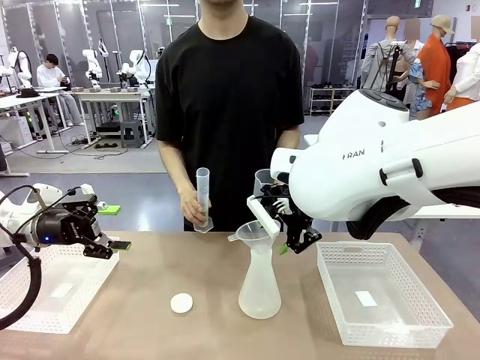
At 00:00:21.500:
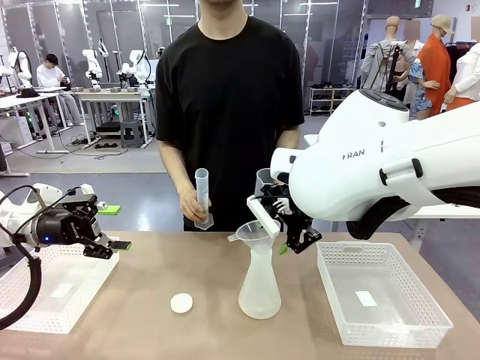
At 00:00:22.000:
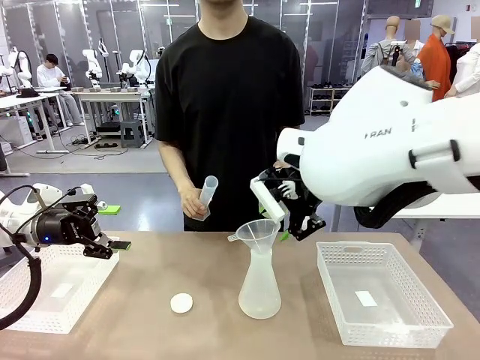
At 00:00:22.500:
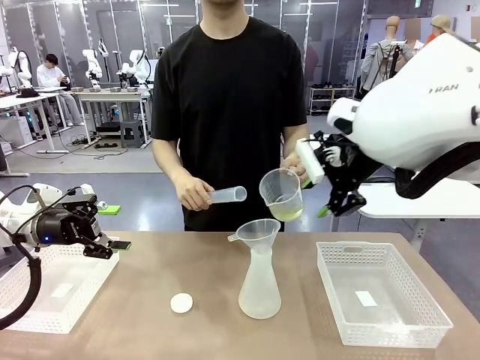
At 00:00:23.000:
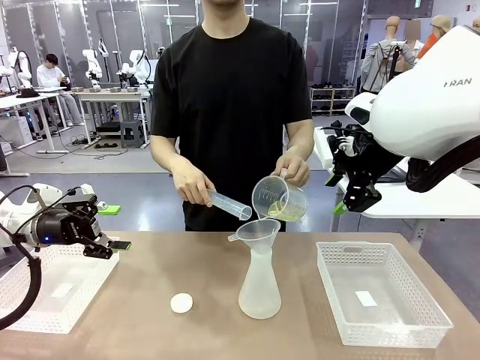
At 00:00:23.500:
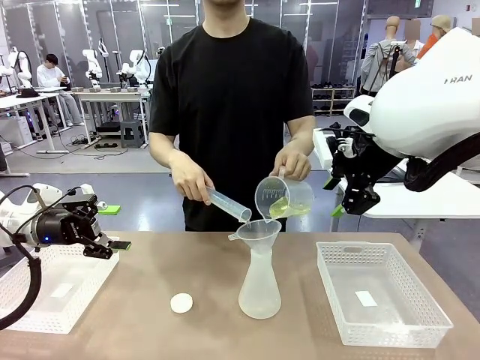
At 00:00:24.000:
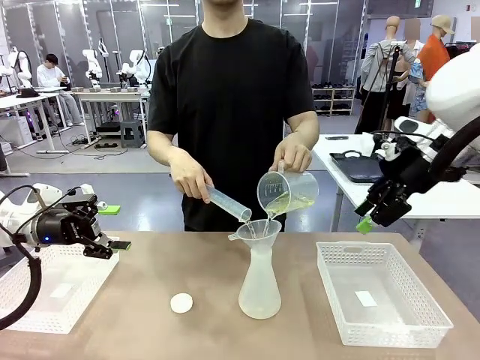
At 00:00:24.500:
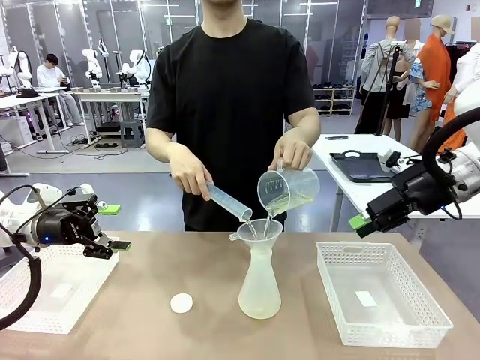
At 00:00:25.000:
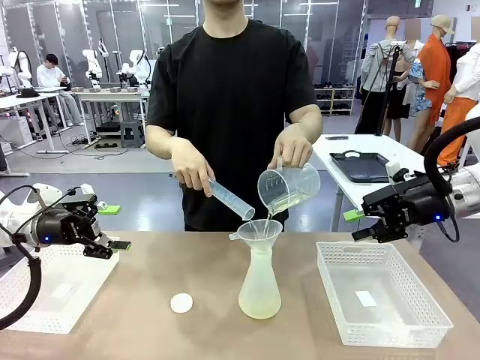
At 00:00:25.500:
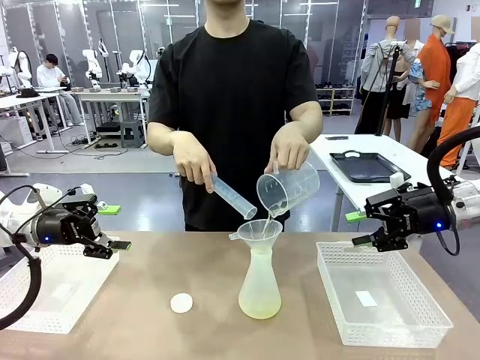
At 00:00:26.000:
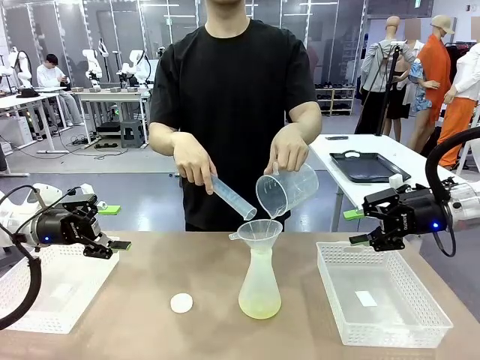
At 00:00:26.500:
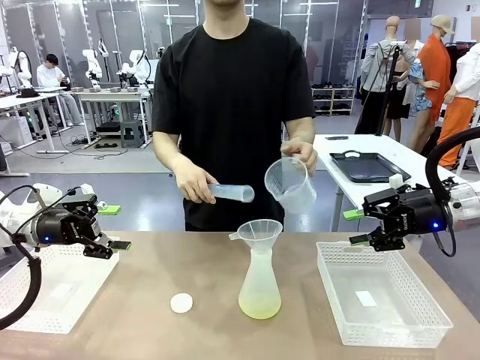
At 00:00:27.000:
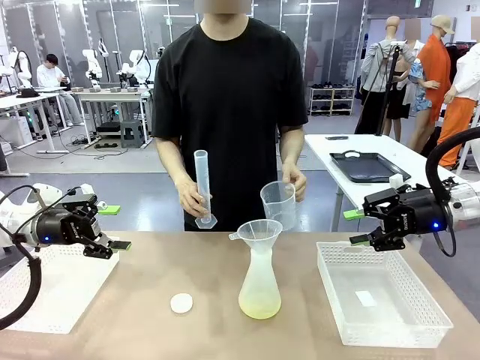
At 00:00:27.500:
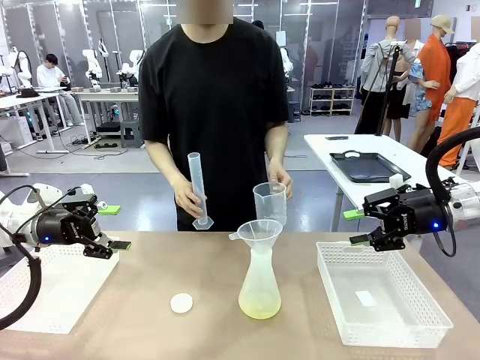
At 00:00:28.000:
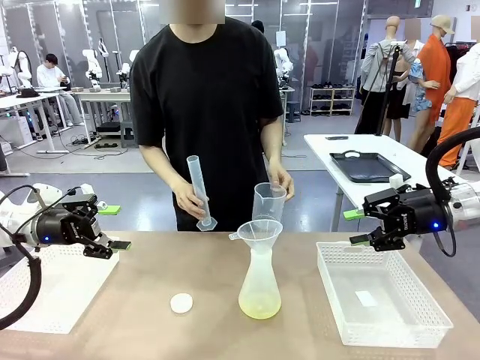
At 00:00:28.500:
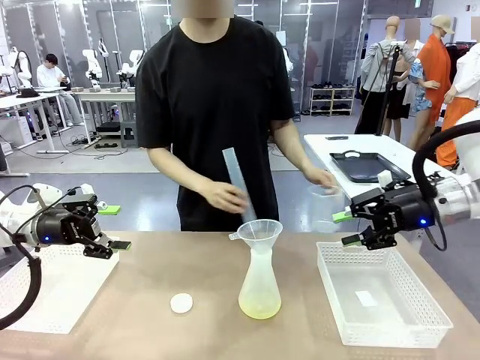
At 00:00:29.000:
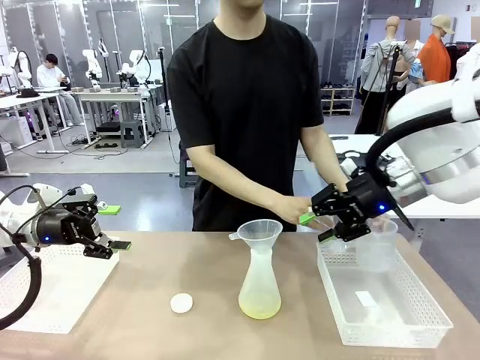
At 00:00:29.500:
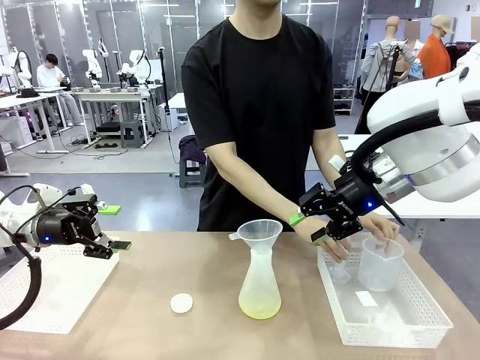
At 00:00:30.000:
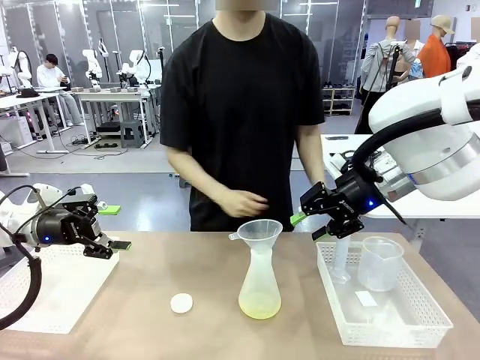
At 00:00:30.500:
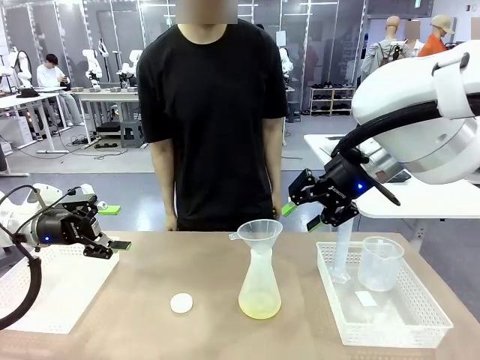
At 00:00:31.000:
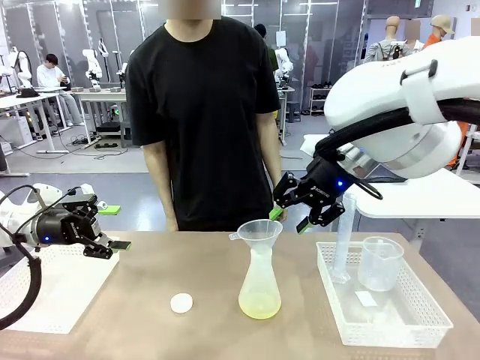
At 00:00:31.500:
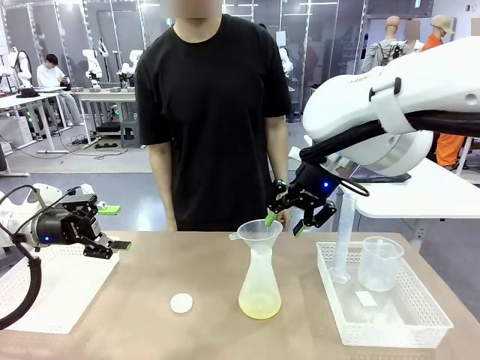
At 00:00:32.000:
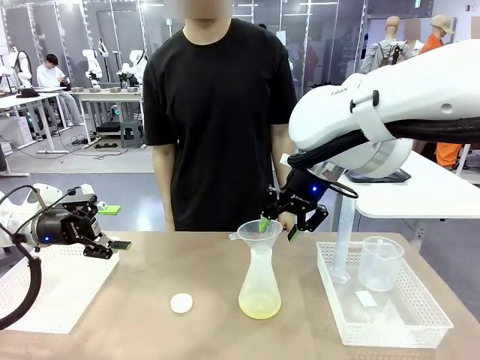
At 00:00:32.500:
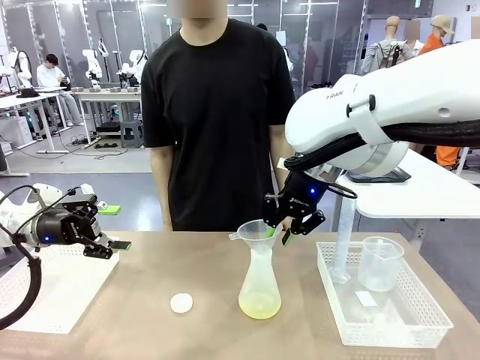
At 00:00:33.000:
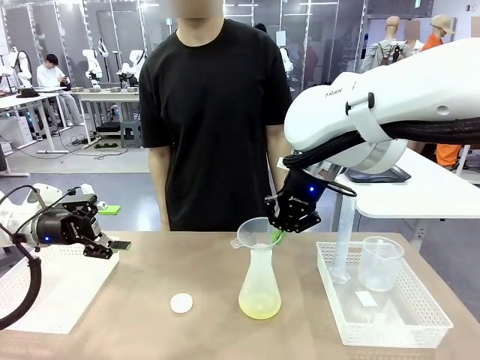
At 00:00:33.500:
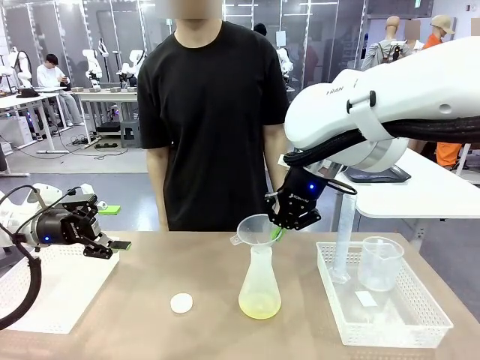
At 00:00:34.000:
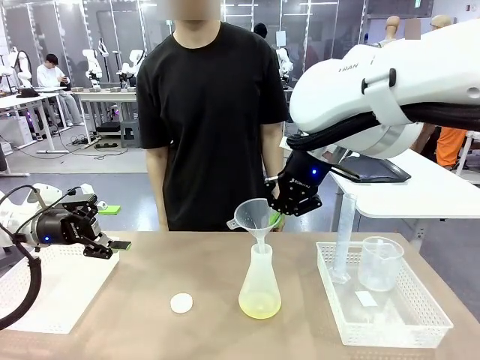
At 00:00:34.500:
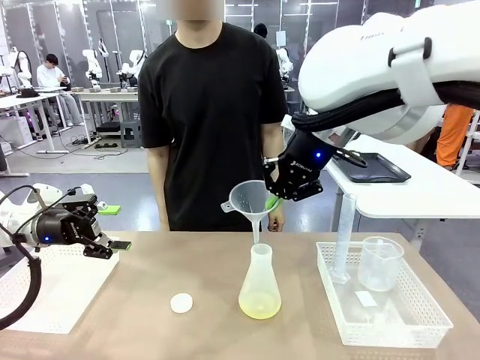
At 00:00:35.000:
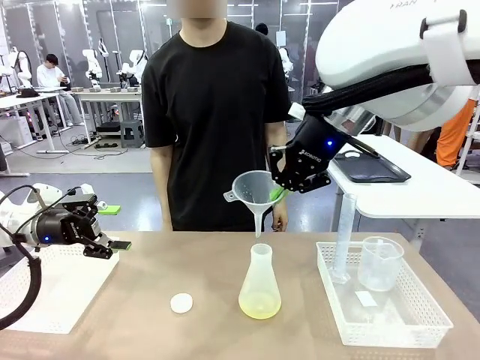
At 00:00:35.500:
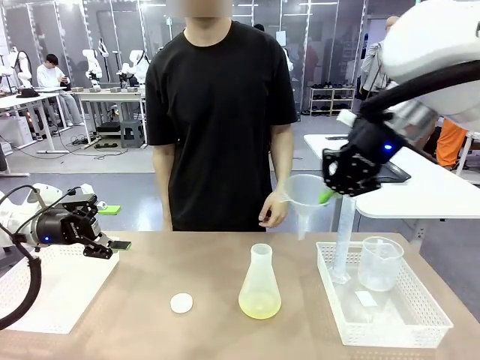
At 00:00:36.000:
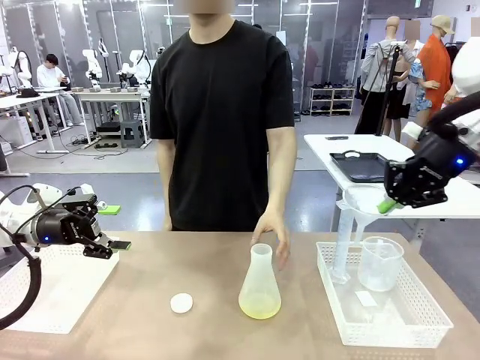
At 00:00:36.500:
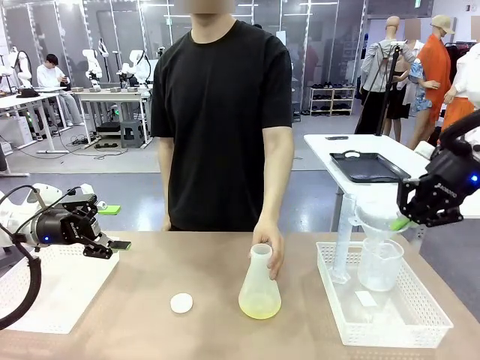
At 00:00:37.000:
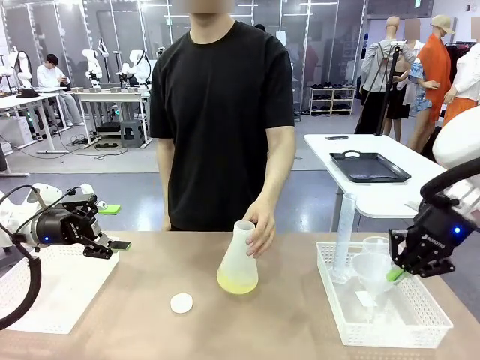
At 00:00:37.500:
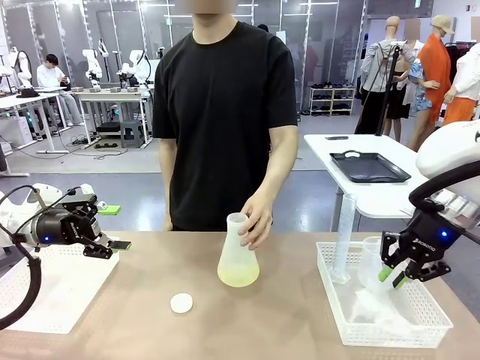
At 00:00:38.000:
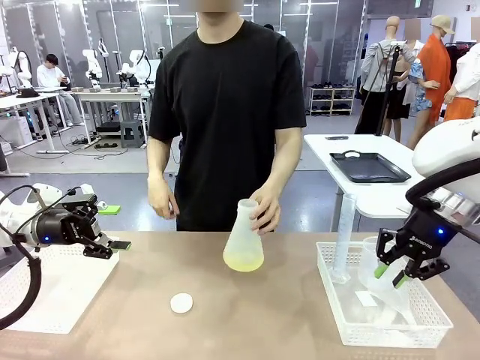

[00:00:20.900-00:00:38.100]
Task: Prepare the solutions needed for the experiment.
Robot: Once the solution is in the Big flask , pick up the Plastic Funnel and place it back into the right Organizing basket.
Person: Place the beaker and the cylinder into the organizing basket on the left side. Pick up the flask, gently shake it 2–3 times, place it in the middle of the robot table, and close the lid.

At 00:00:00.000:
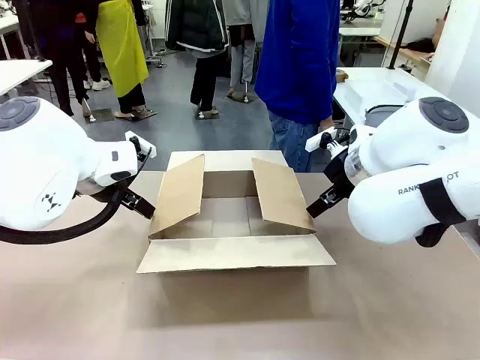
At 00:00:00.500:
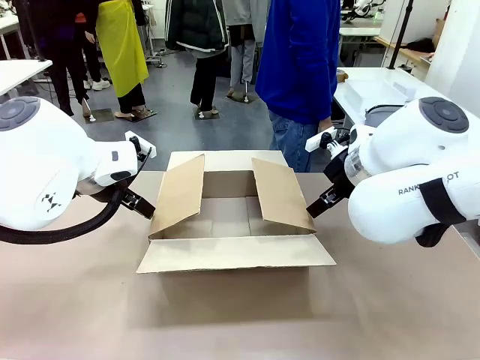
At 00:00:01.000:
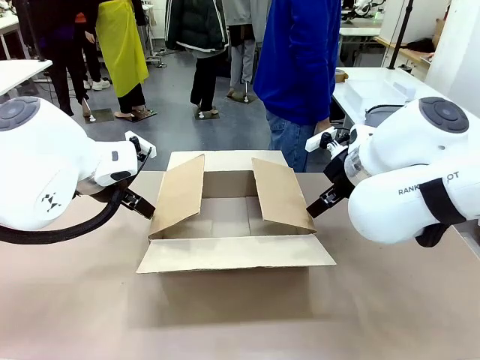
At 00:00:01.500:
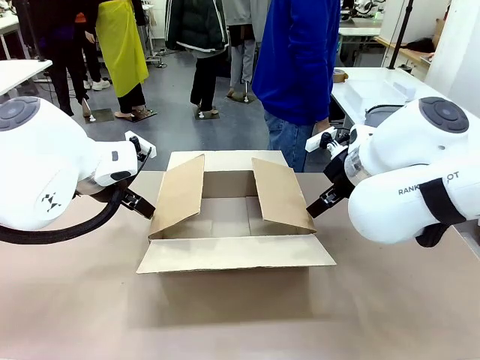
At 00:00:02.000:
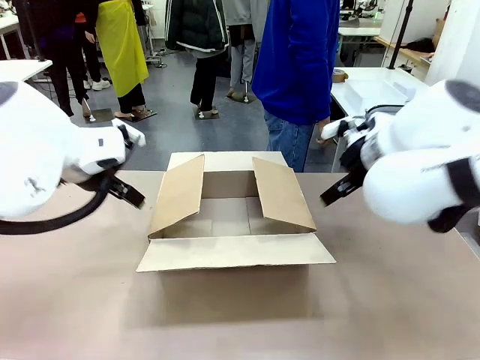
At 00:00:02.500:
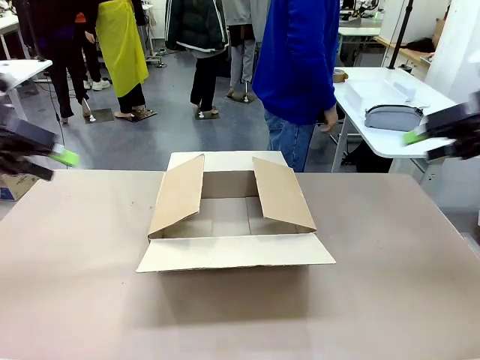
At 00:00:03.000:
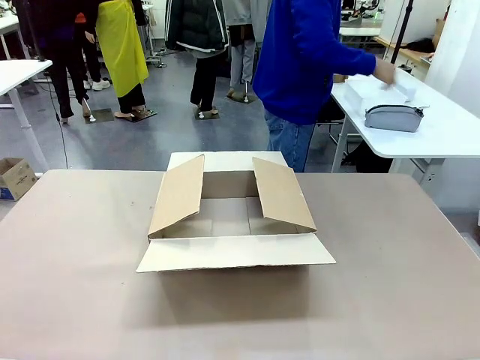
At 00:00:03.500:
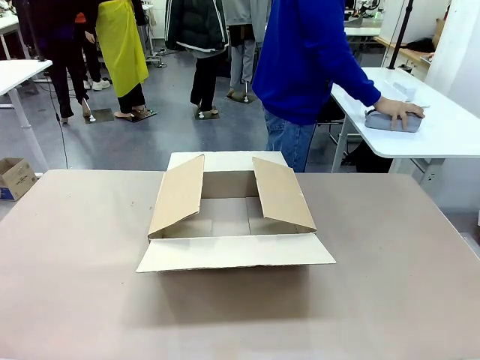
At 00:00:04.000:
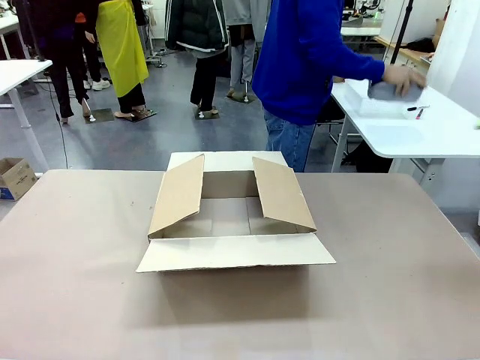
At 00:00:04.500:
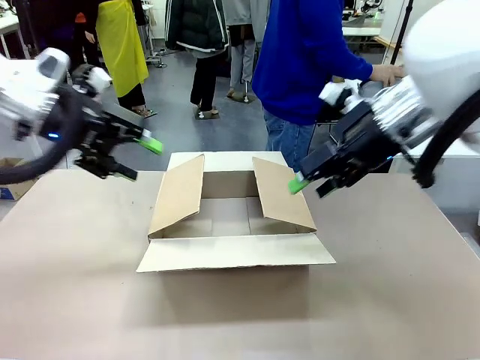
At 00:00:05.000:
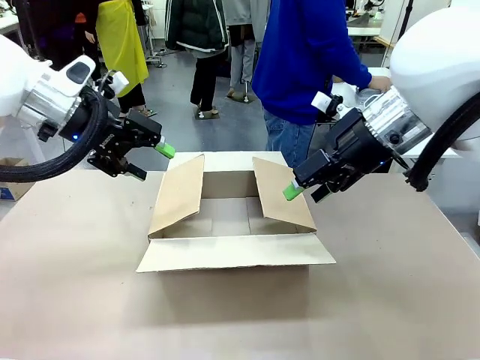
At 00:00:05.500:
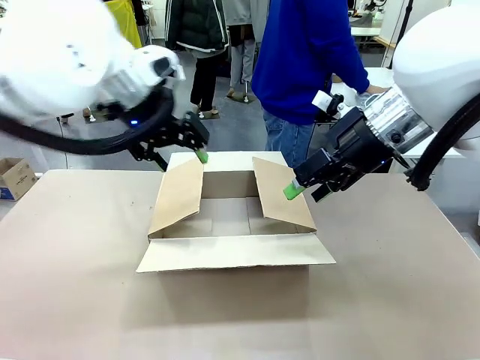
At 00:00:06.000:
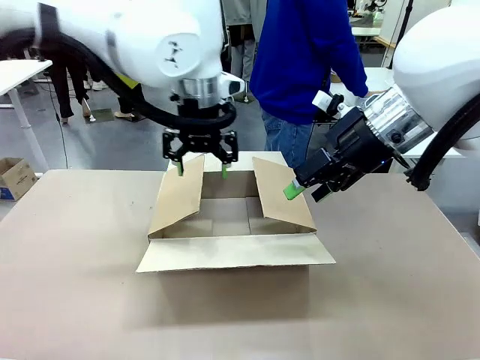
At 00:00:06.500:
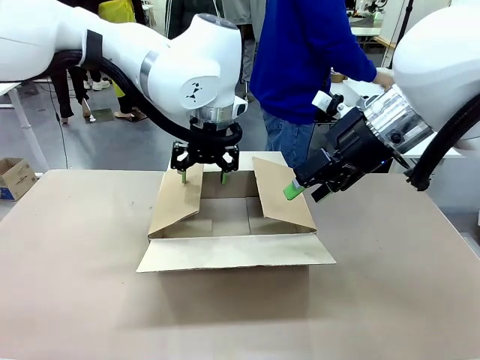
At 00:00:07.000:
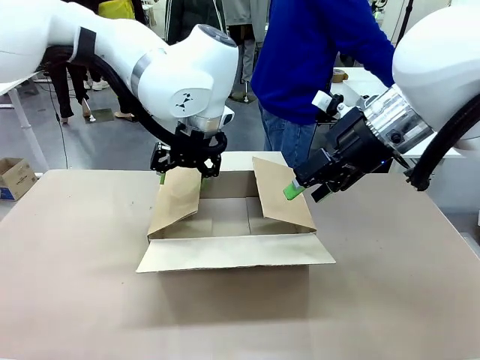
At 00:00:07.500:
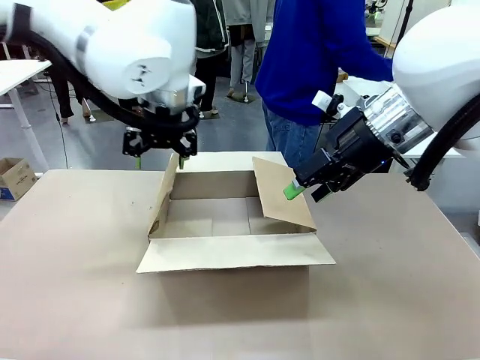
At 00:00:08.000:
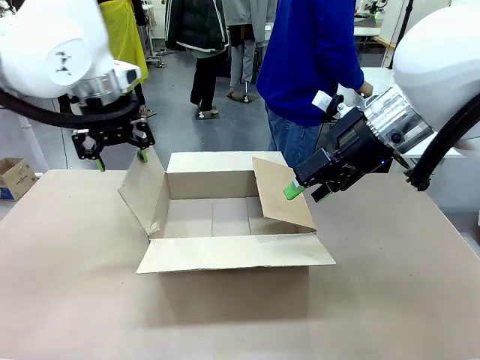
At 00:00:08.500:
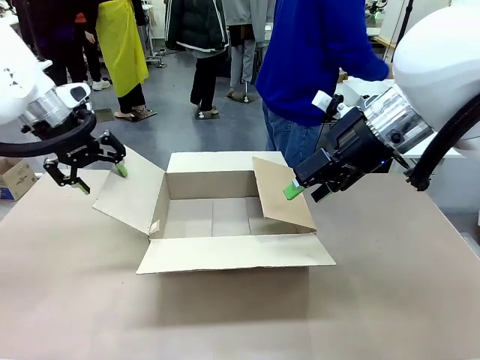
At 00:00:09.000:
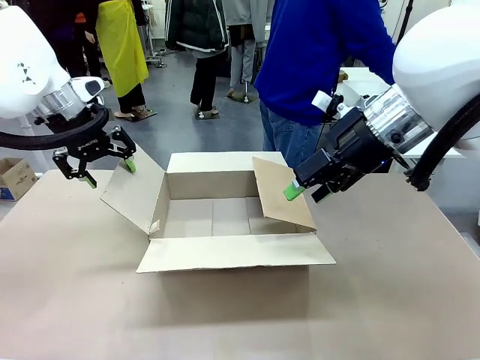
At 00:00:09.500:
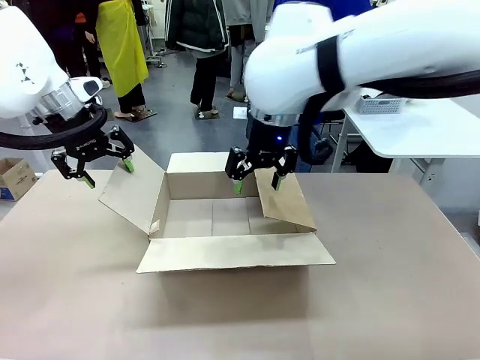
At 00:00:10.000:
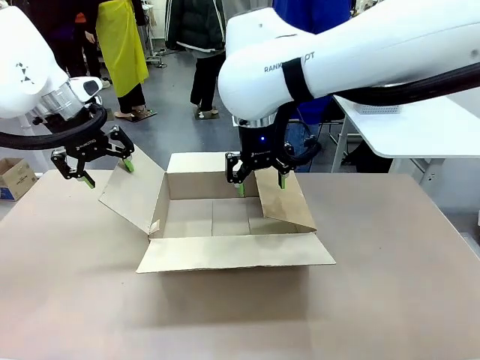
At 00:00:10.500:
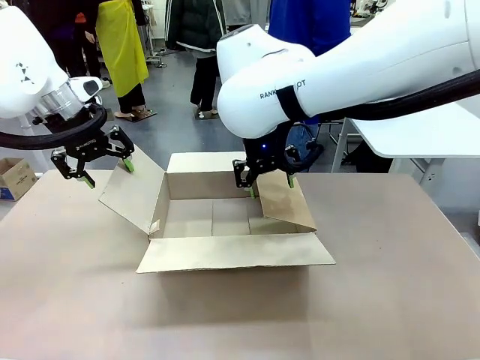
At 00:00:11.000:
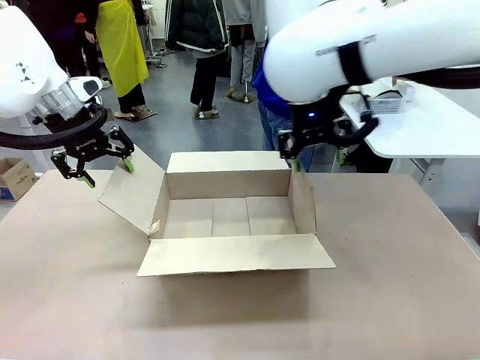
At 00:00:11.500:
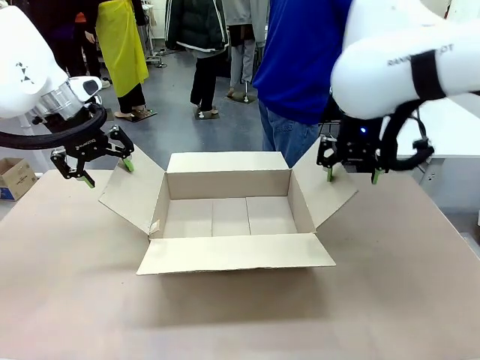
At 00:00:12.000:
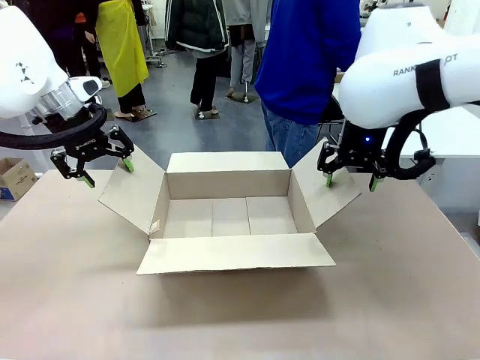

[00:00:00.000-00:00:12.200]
Task: Pack the gift set into the box.
Robot: Place both hands on the side flaps of the Package Box and spread them outward.
Person: The human places all items except the paper tape into the organizing basket.
